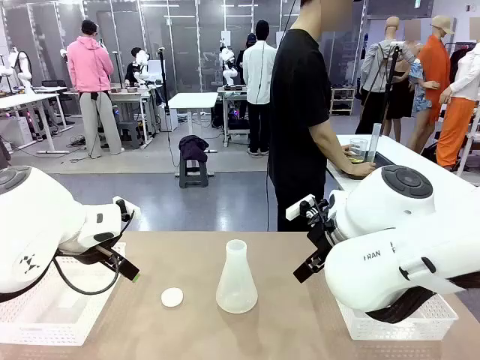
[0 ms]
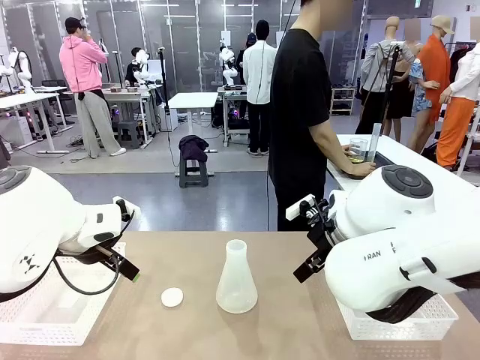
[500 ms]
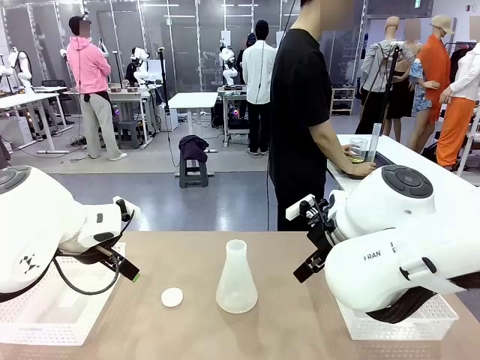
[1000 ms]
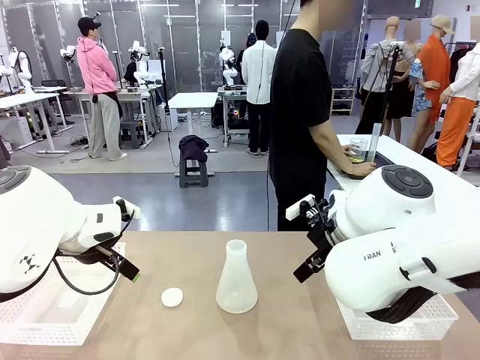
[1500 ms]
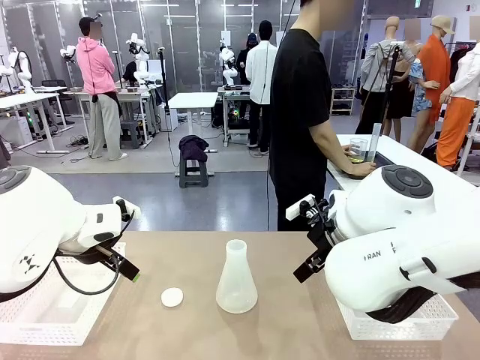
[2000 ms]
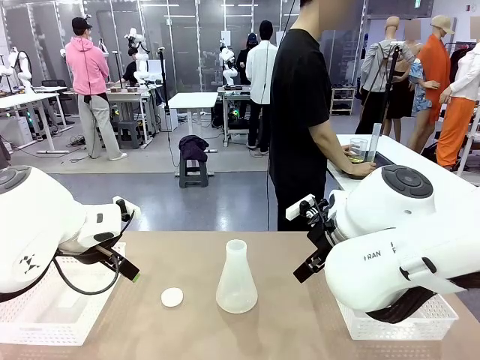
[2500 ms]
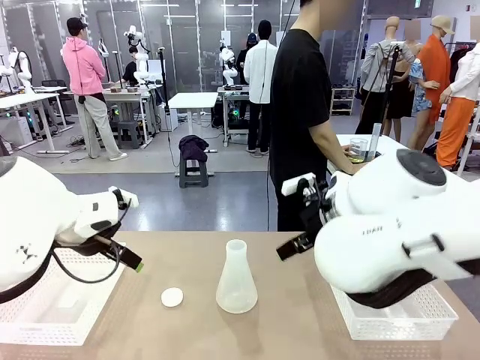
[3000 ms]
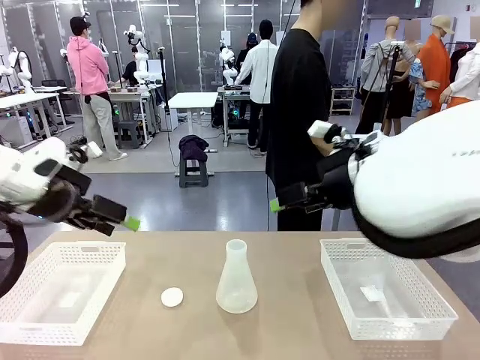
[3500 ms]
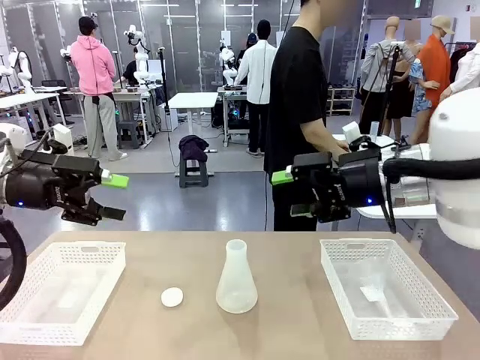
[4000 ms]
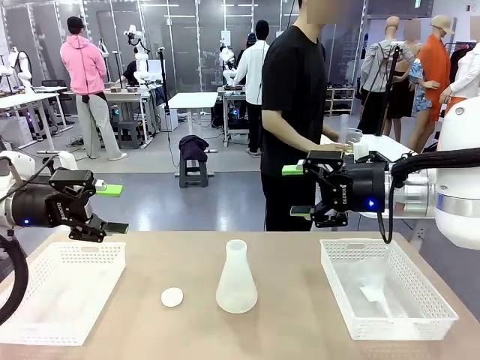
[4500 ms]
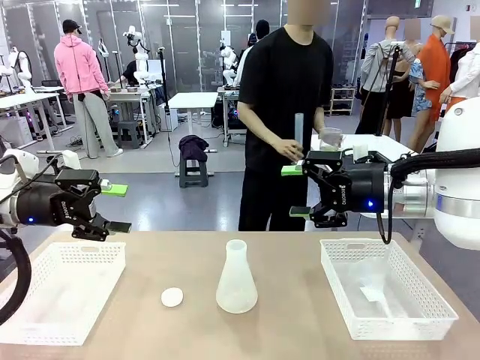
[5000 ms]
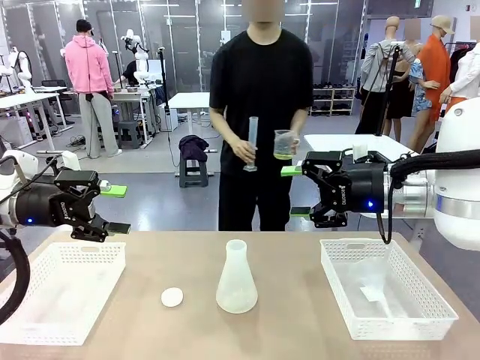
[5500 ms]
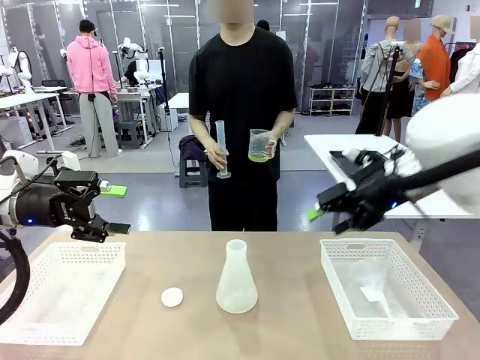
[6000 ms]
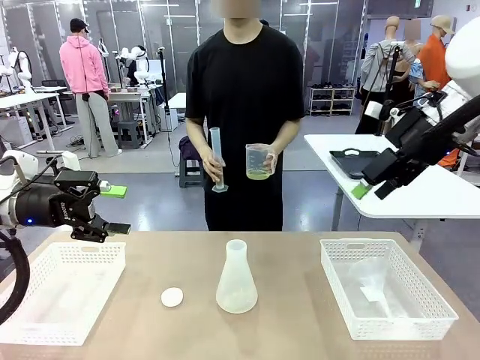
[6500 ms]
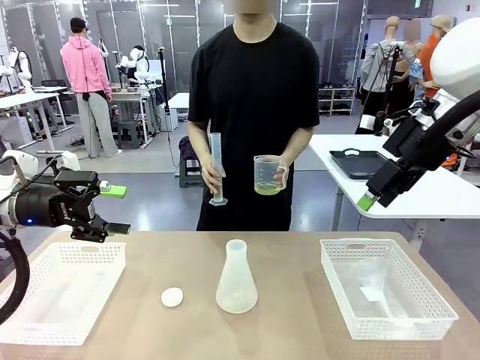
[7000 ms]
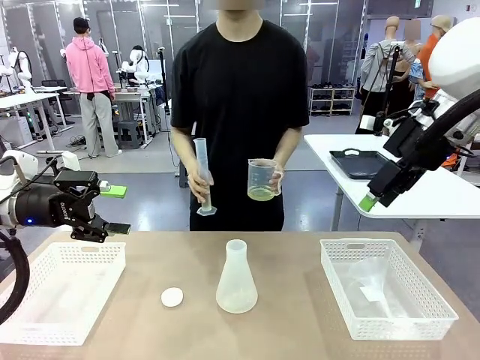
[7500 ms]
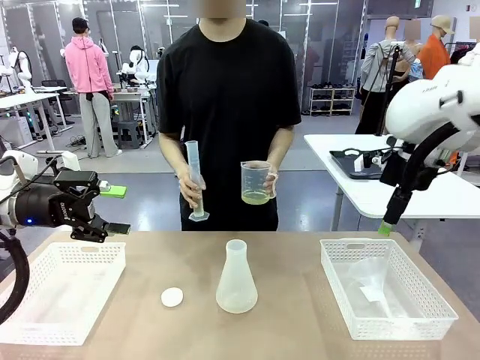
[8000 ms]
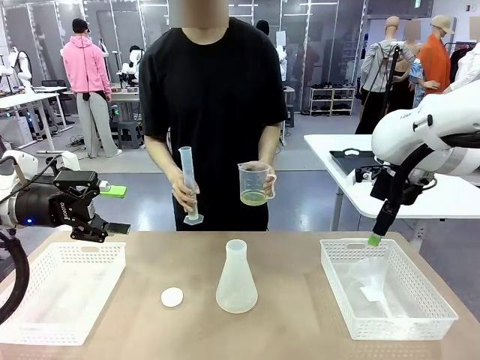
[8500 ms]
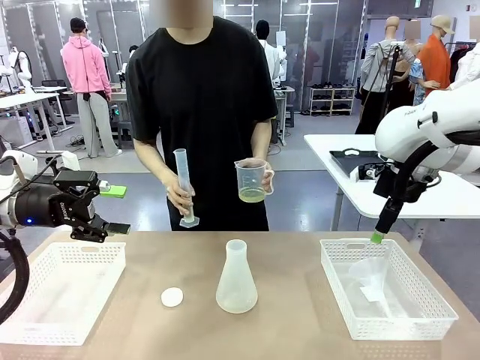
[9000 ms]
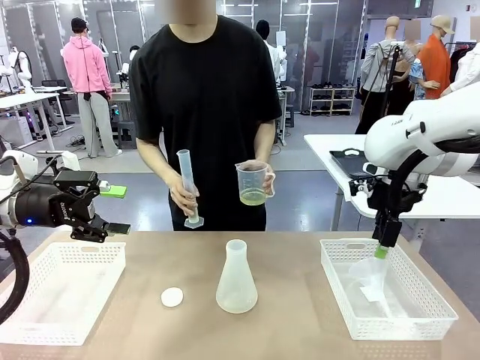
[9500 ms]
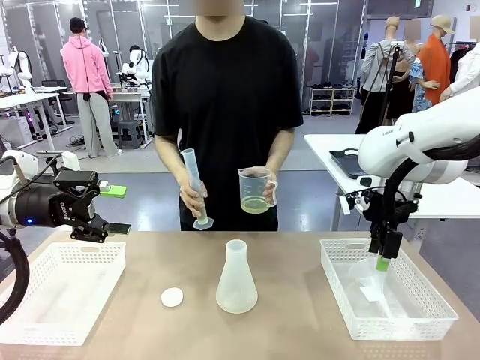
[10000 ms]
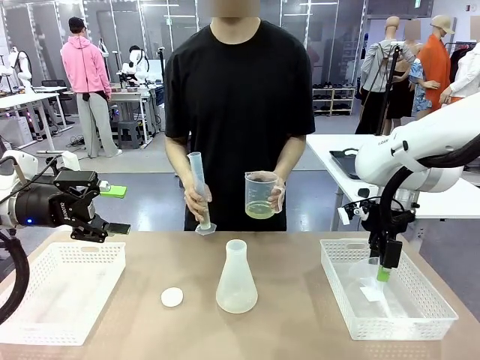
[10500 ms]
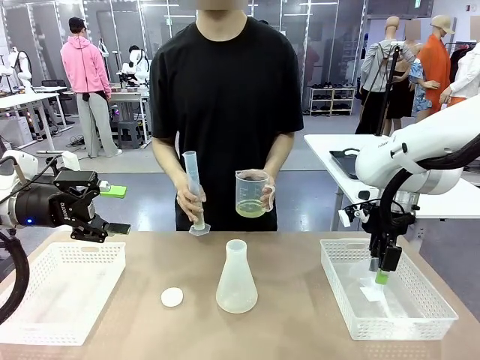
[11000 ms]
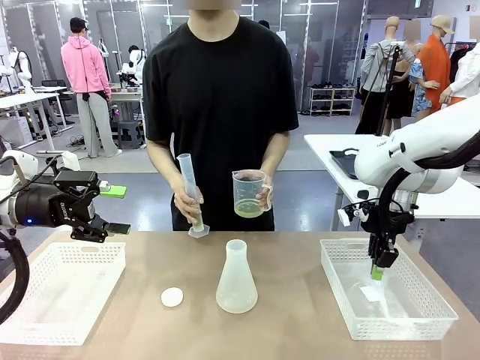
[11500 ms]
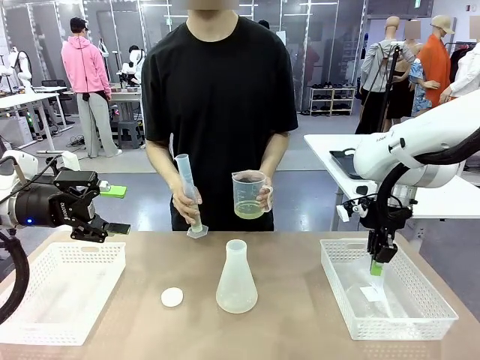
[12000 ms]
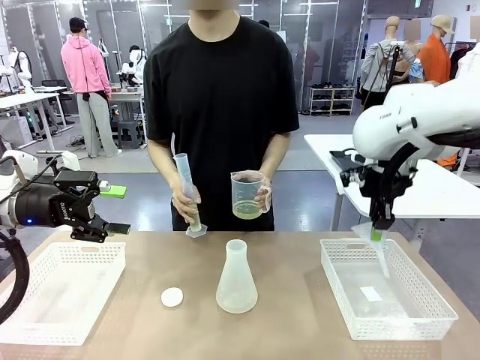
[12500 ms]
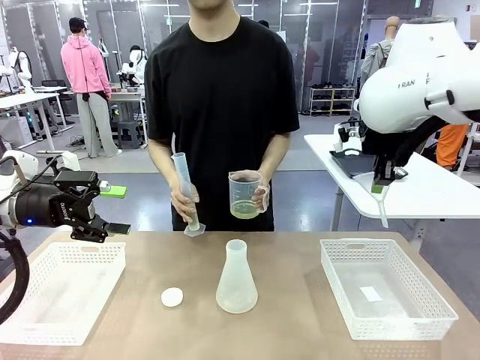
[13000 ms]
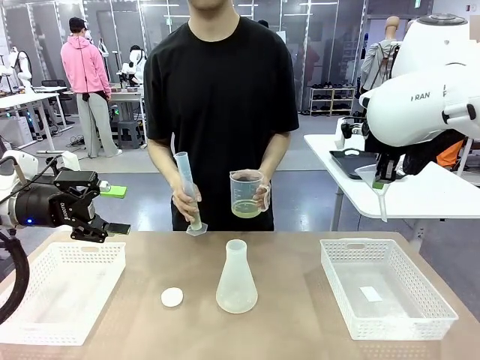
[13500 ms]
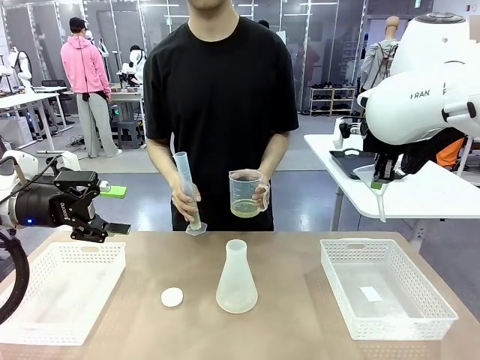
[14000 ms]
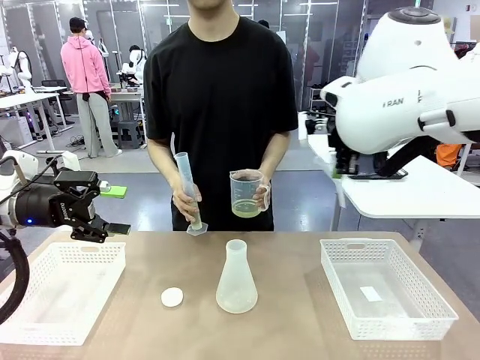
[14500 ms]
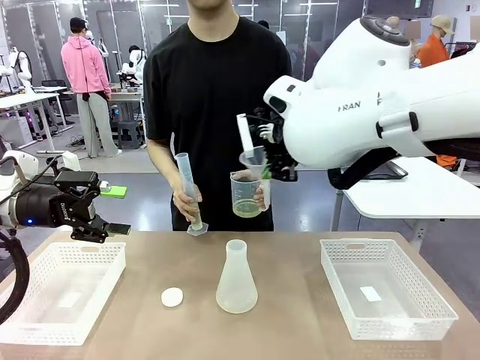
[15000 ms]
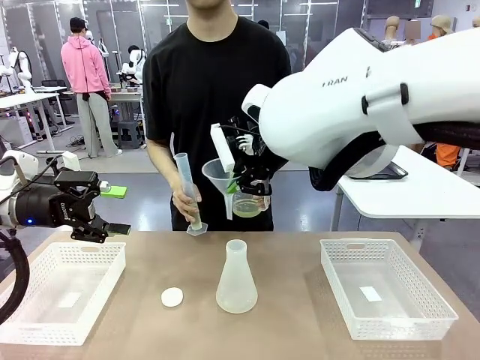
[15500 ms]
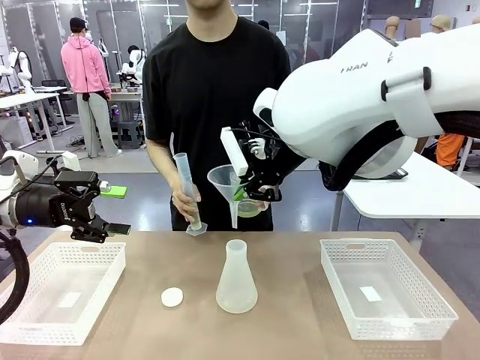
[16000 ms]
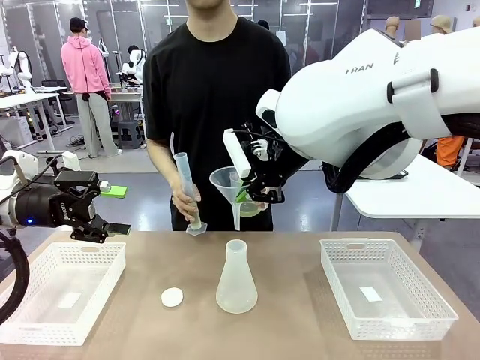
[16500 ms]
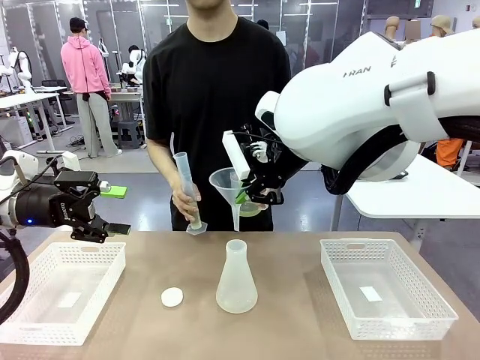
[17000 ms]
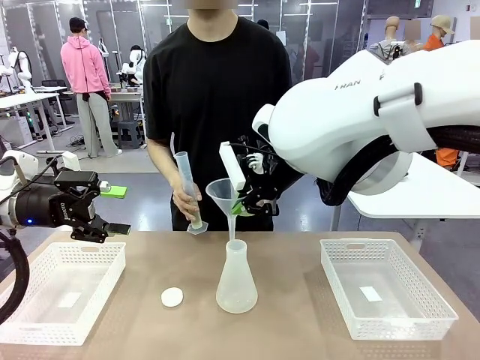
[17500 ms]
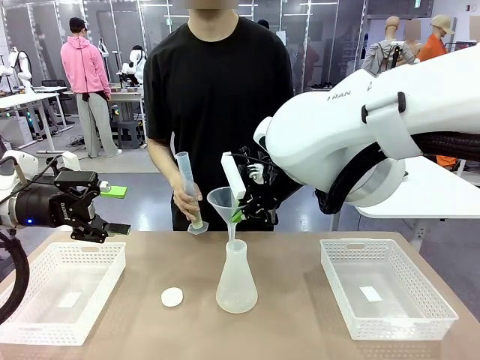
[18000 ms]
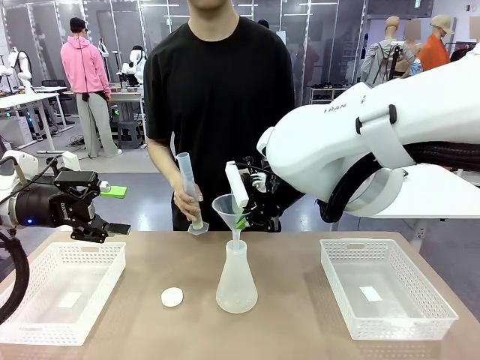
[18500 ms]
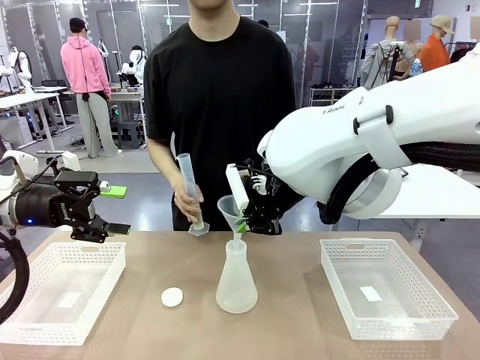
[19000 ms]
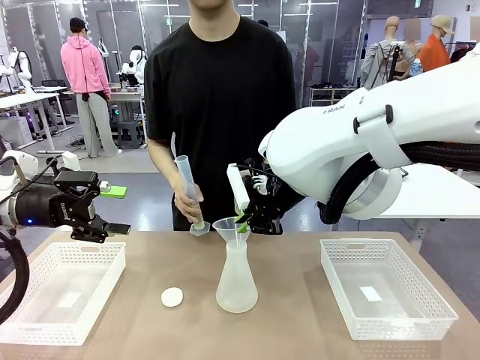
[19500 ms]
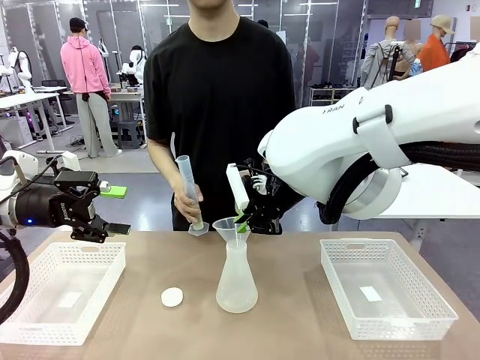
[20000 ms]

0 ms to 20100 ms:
Task: Prepare the solutions needed for the experiment.
Robot: Pick up the Plastic Funnel and insert it into the Big flask.
Person: Pick up the beaker and the cylinder and move to the middle of the robot table. Pour the solution from the beaker and the cylinder into the flask.
